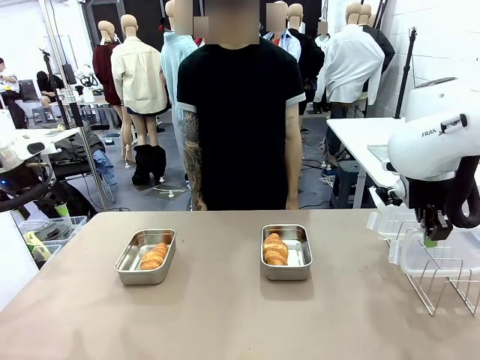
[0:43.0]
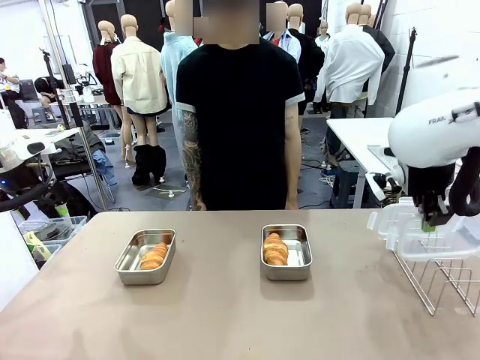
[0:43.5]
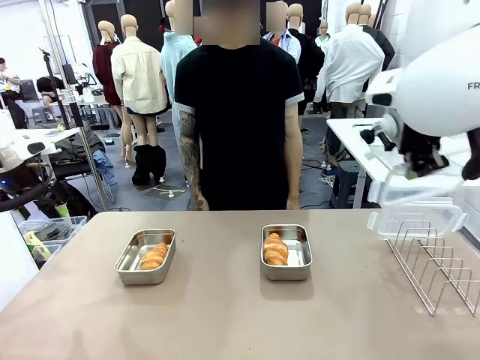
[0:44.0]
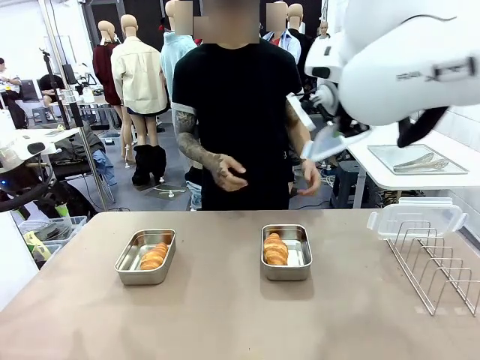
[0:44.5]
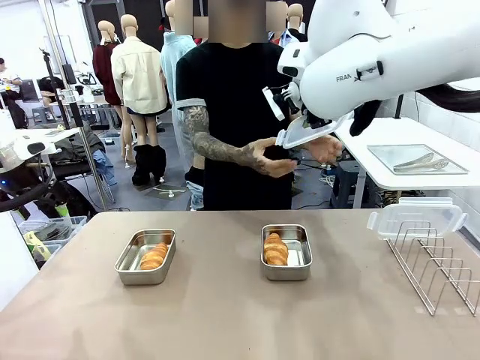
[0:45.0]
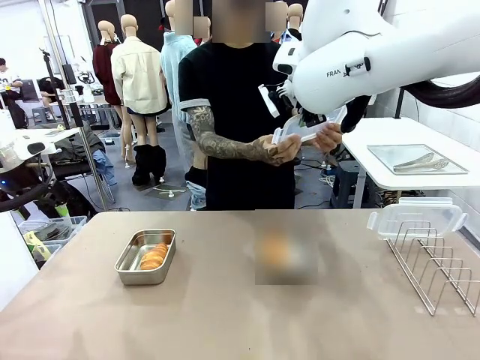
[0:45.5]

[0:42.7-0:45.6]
Task: Place the bread in airtight containers.
Robot: Release when the human grabs the Airtight Container lid.

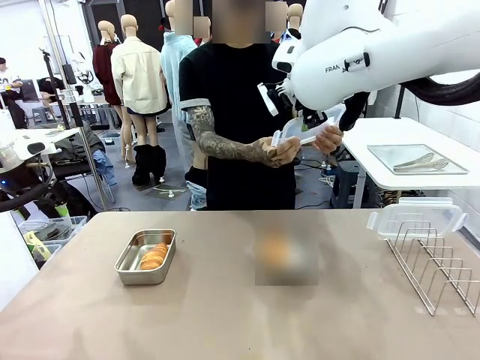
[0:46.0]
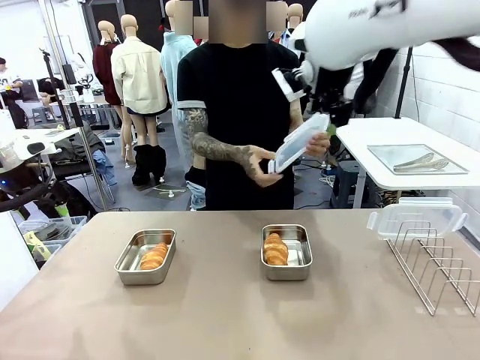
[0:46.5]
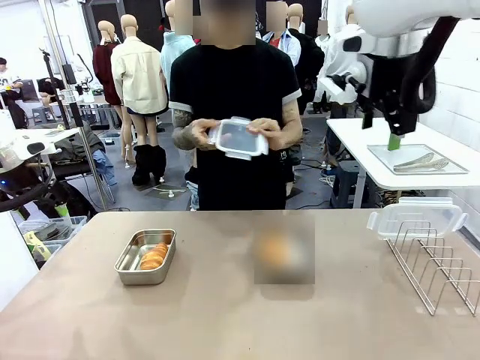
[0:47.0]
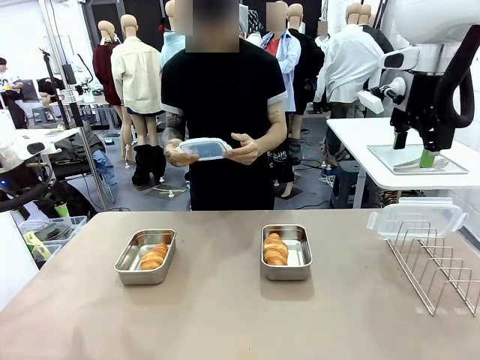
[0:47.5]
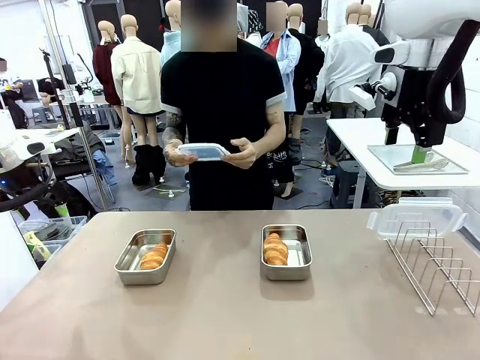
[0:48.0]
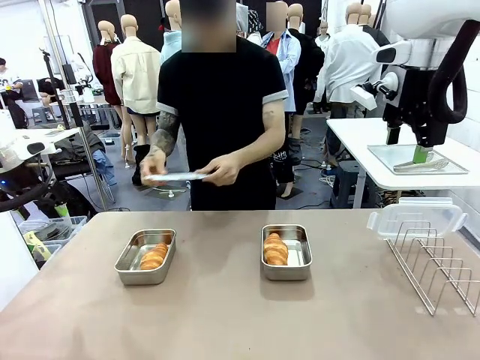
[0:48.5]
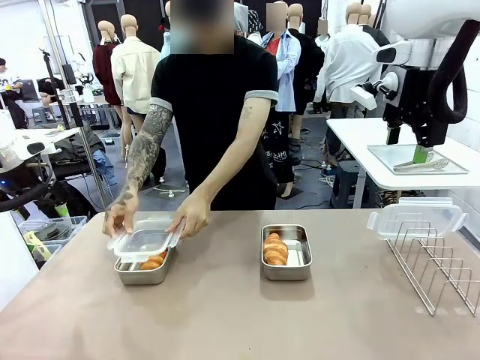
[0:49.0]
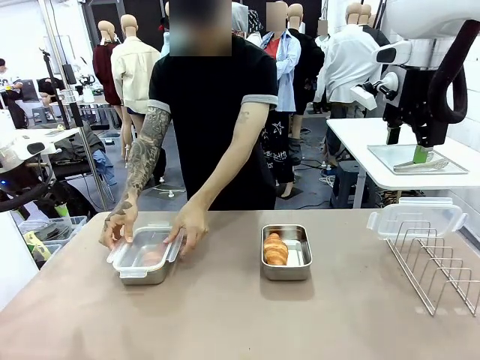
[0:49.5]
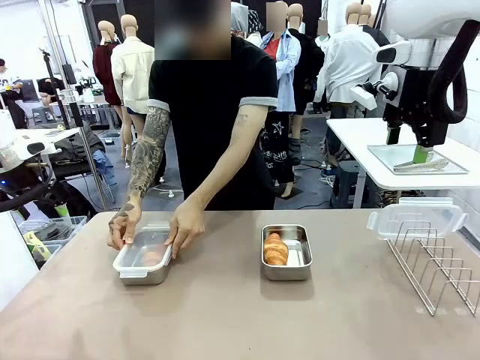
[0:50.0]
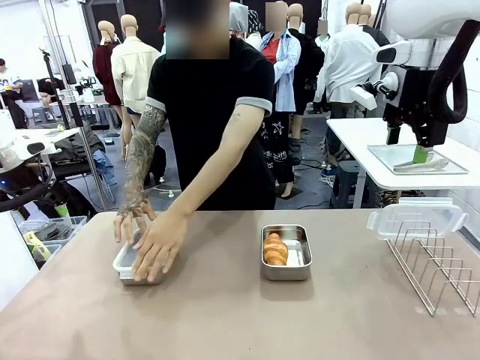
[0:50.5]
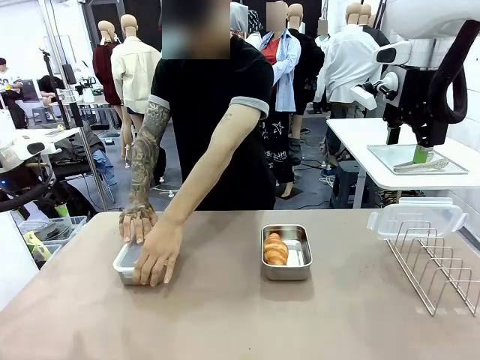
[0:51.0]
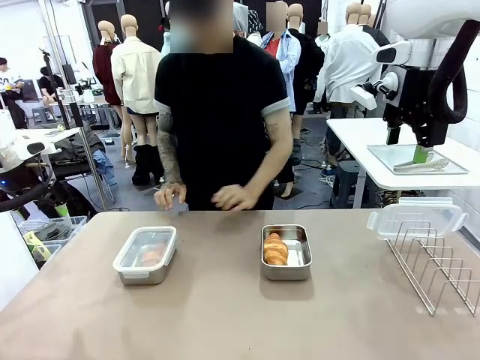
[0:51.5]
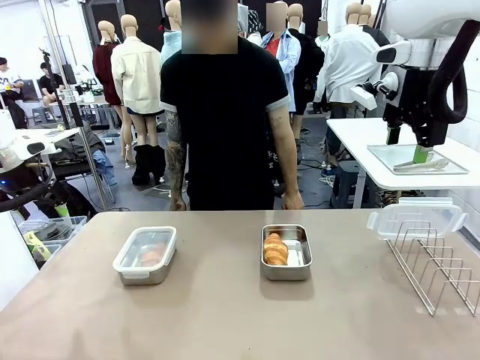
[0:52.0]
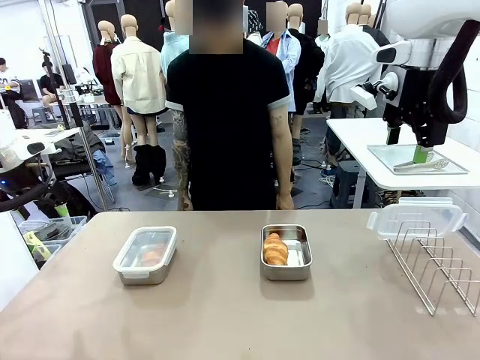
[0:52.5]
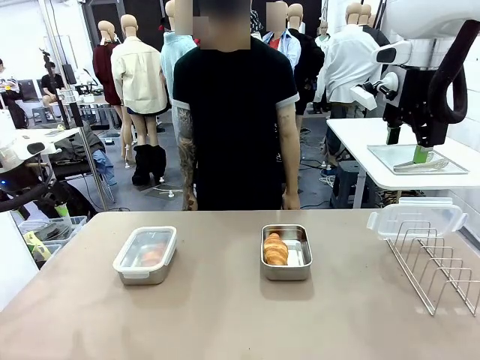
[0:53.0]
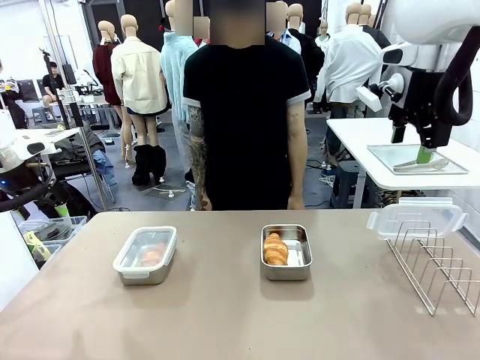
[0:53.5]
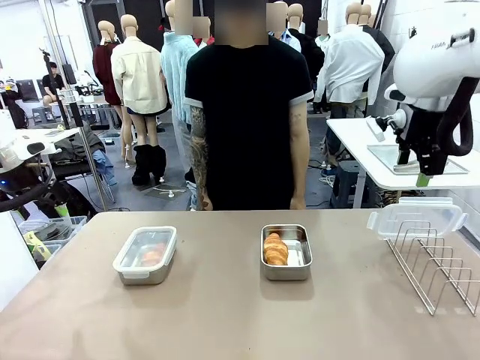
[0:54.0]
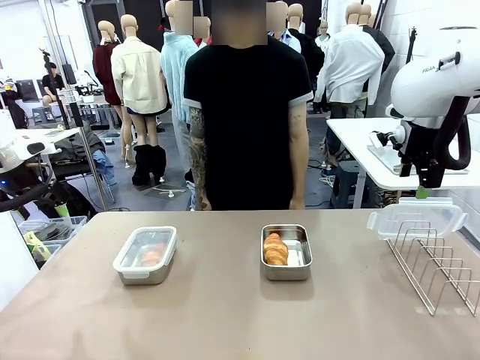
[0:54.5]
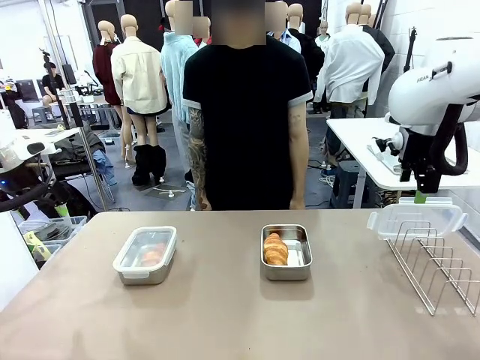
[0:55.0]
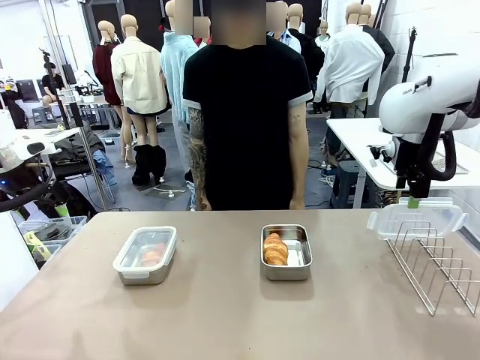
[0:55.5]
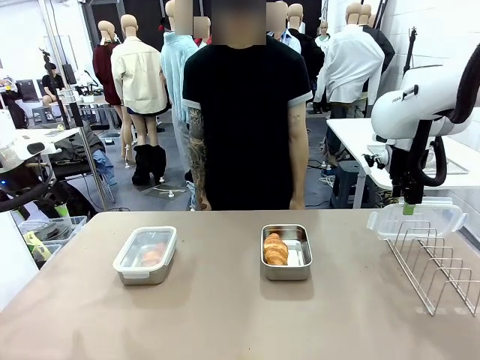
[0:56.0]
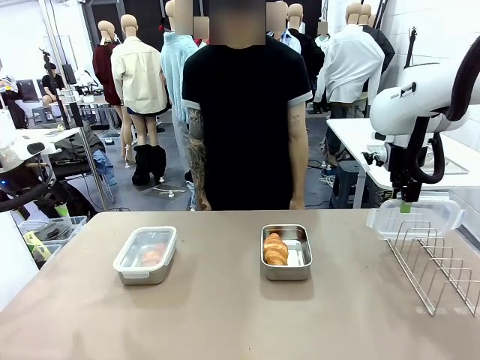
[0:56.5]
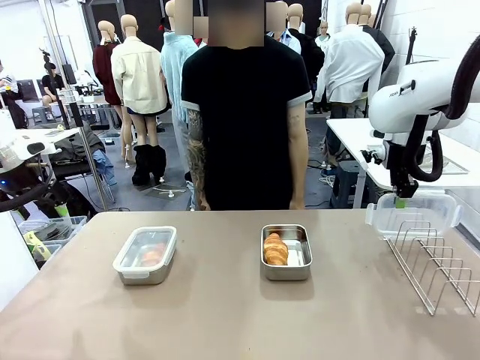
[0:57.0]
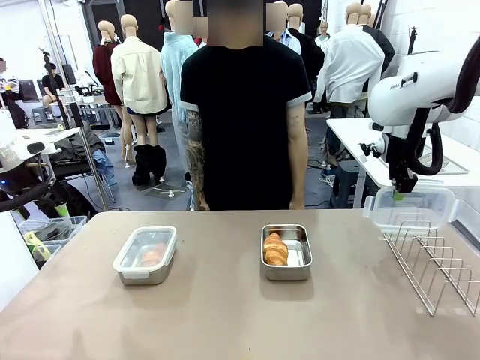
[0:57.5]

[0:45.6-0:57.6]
Robot: Pick up one Airtight Container lid and hand it to the human.
Person: Close Airtight Container with a handed Airtight Container lid. Grip Airtight Container lid that robot is handing.

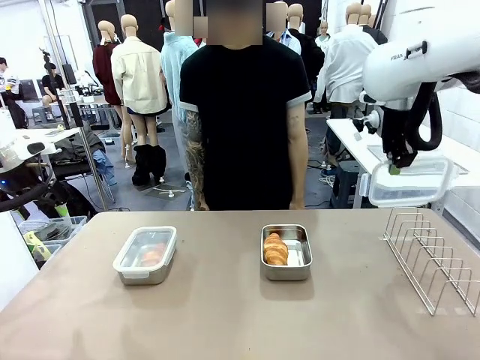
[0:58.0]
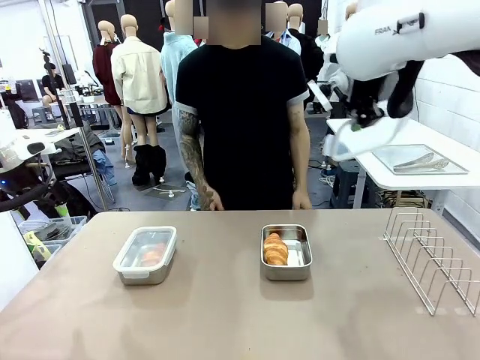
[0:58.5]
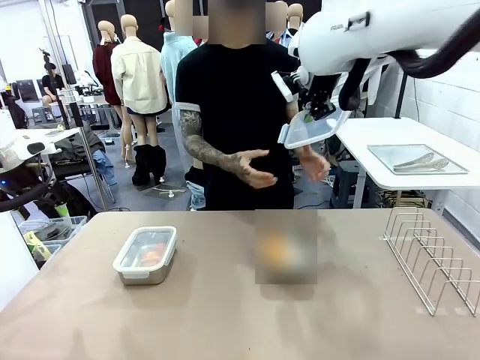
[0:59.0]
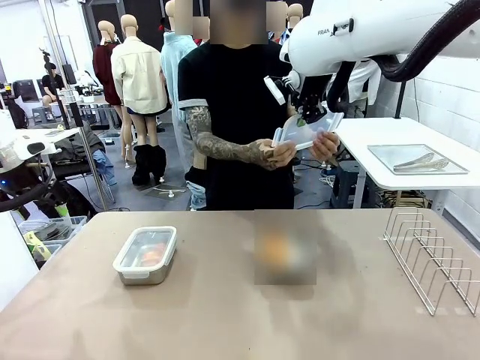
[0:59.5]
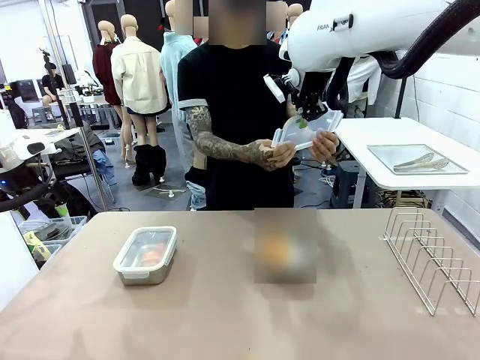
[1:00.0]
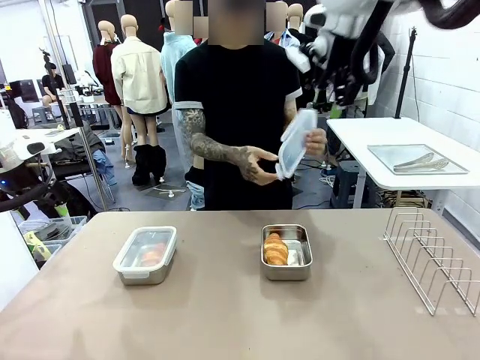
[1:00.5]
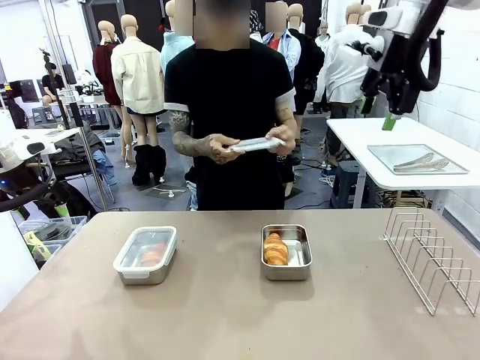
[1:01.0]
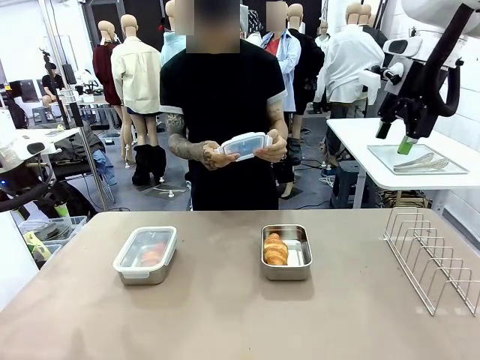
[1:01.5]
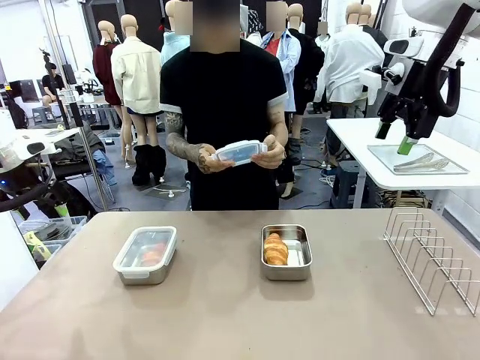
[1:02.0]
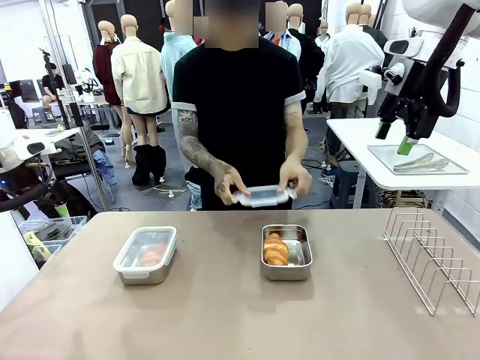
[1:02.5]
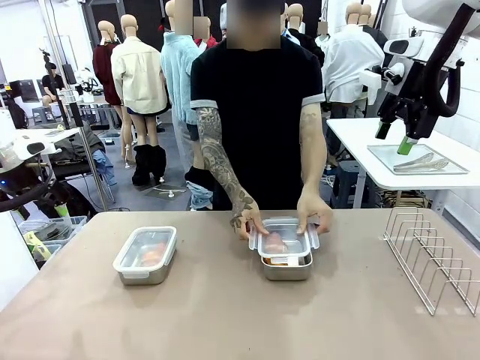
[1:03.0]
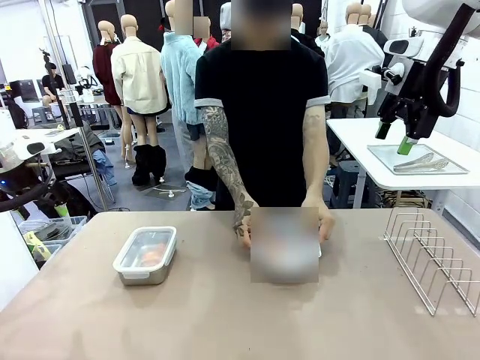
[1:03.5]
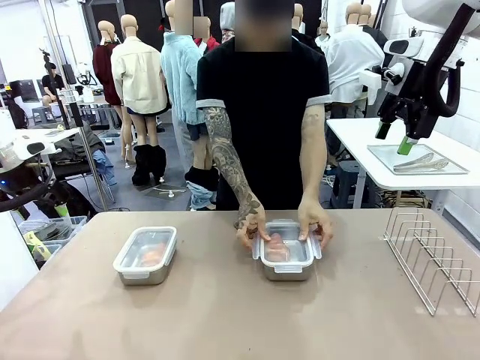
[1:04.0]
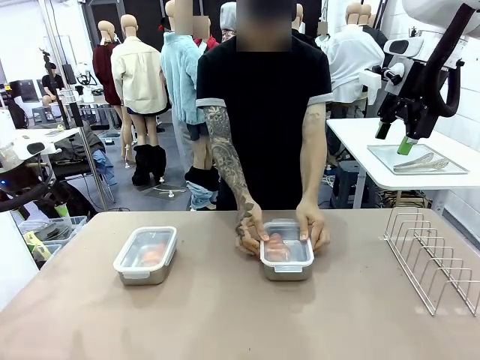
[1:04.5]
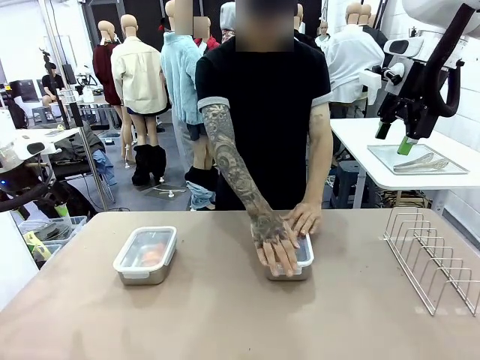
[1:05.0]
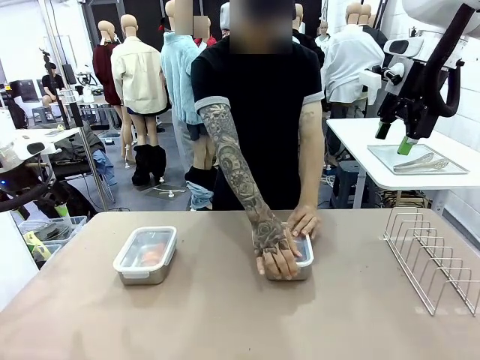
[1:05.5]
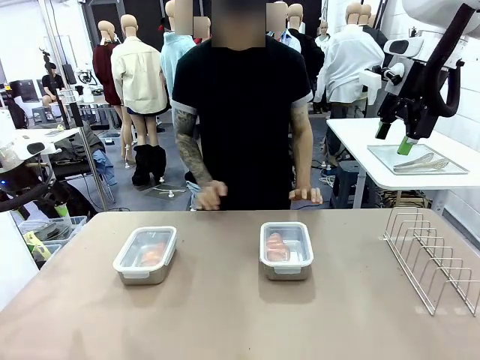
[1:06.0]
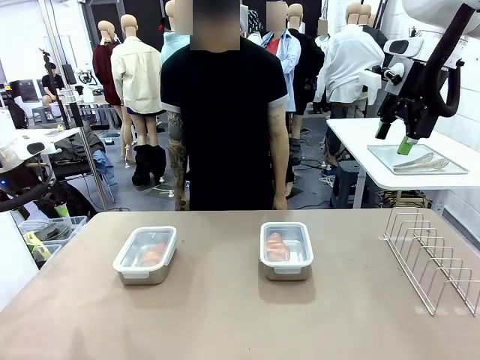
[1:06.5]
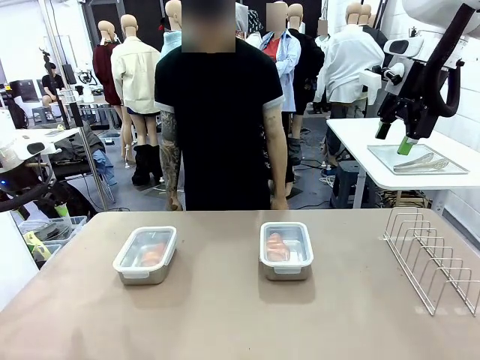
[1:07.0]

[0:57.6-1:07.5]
Robot: Release when the human grabs the Airtight Container lid.
Person: Close Airtight Container with a handed Airtight Container lid.
